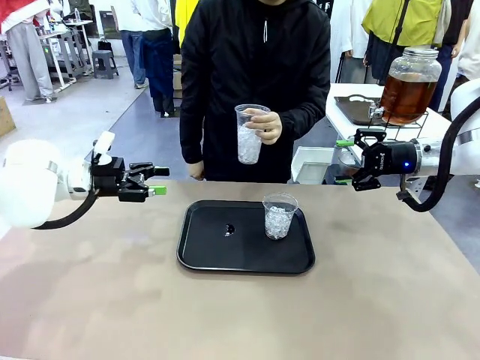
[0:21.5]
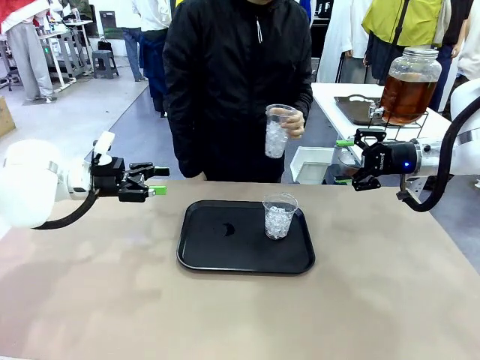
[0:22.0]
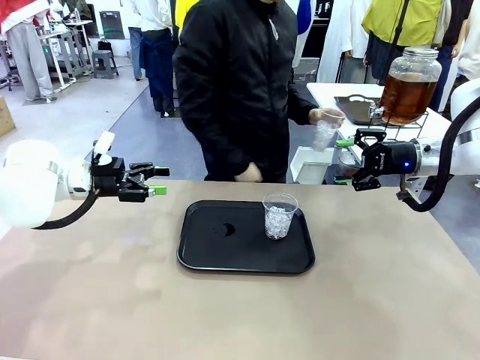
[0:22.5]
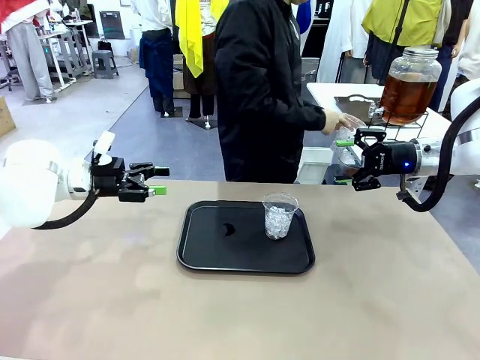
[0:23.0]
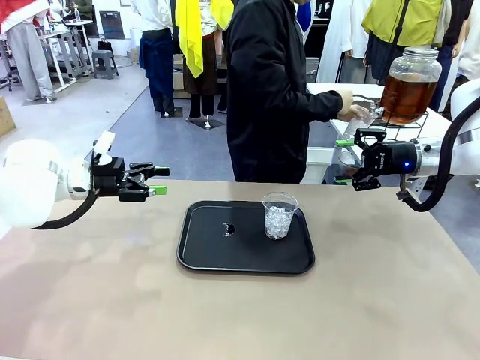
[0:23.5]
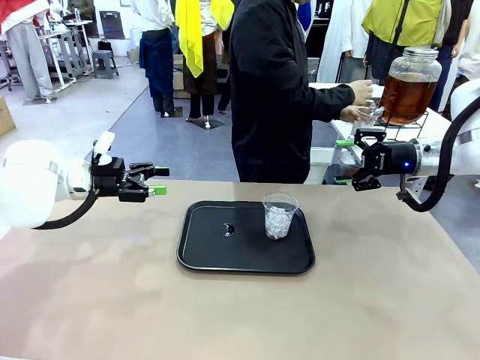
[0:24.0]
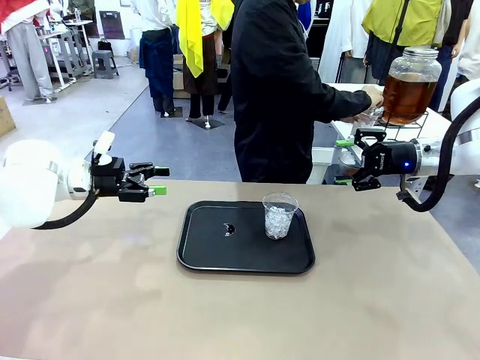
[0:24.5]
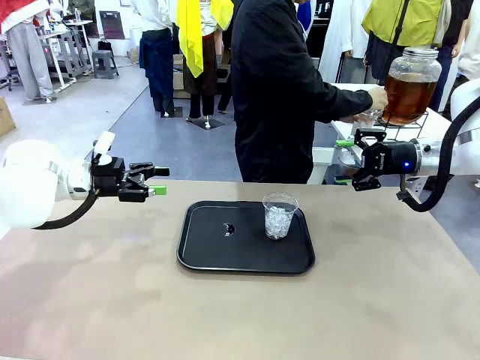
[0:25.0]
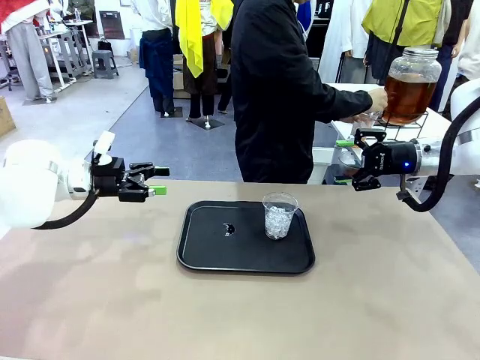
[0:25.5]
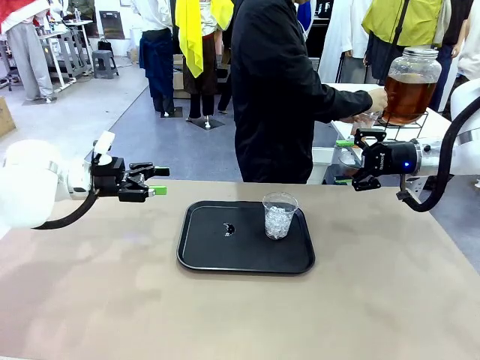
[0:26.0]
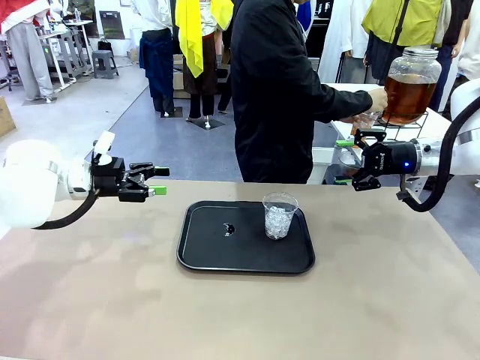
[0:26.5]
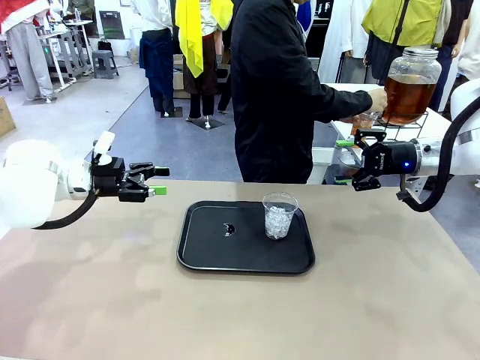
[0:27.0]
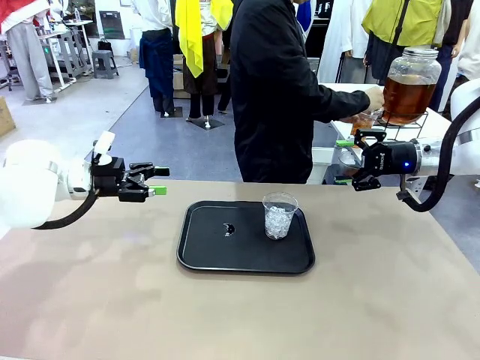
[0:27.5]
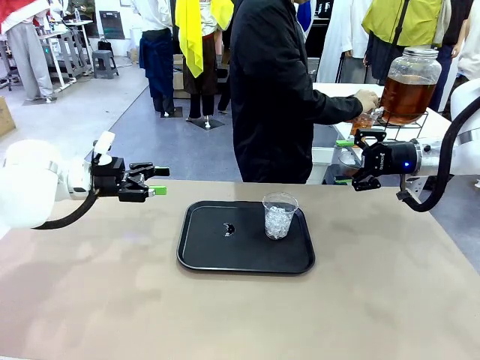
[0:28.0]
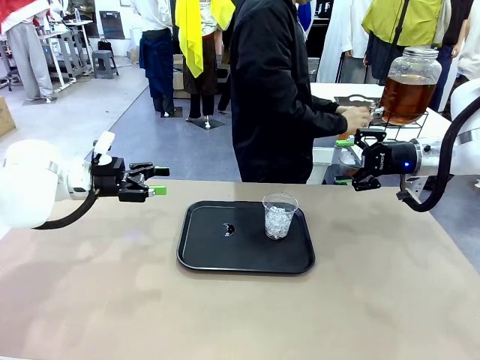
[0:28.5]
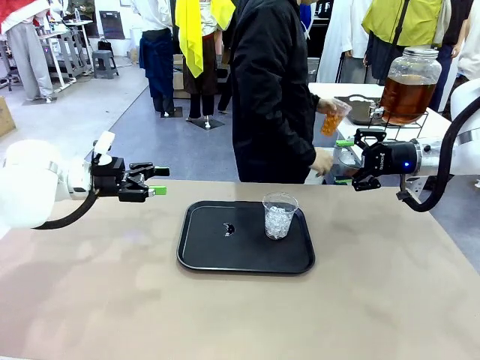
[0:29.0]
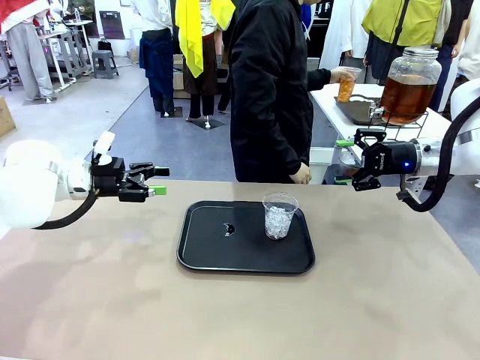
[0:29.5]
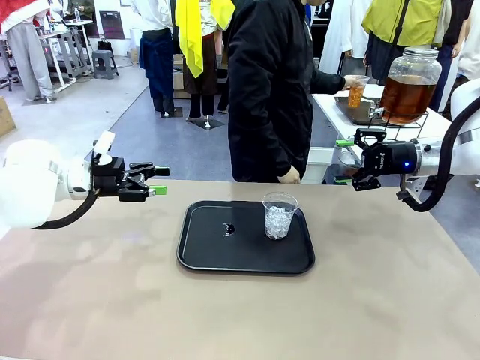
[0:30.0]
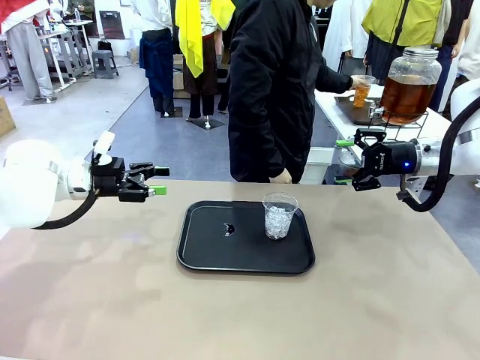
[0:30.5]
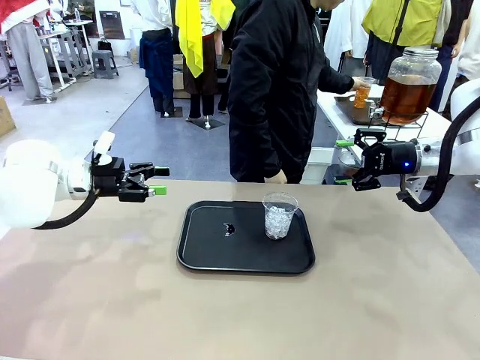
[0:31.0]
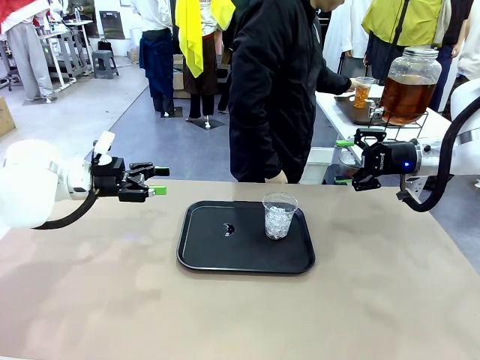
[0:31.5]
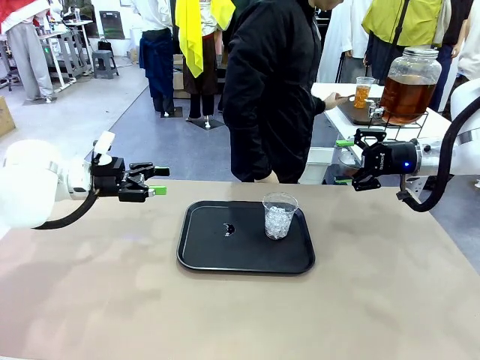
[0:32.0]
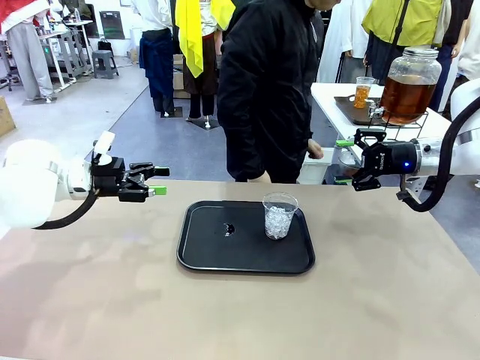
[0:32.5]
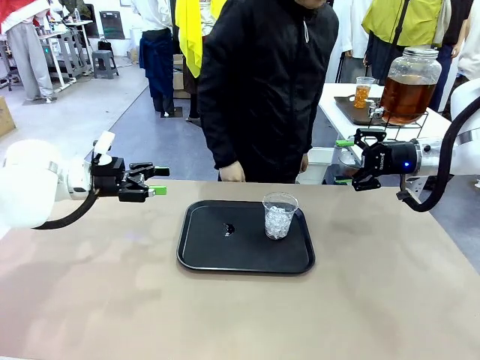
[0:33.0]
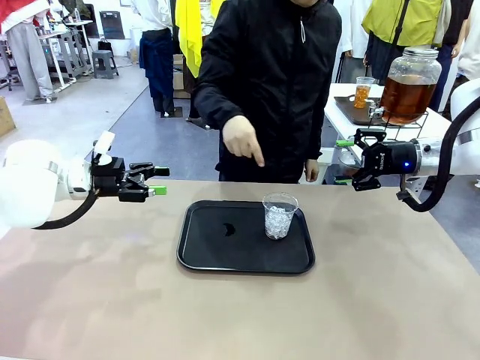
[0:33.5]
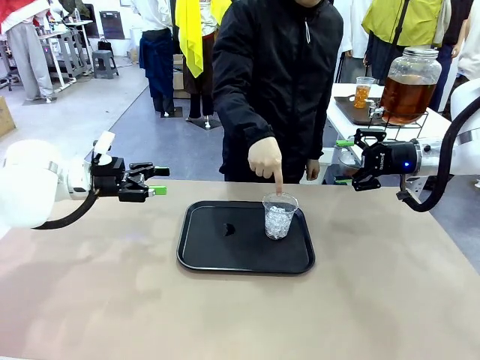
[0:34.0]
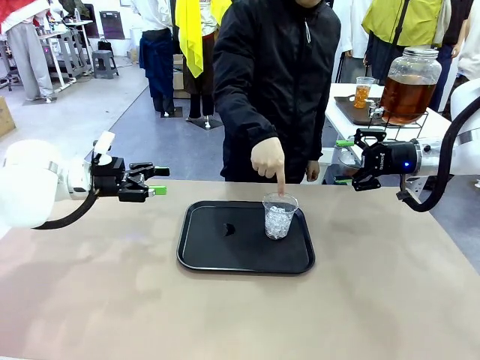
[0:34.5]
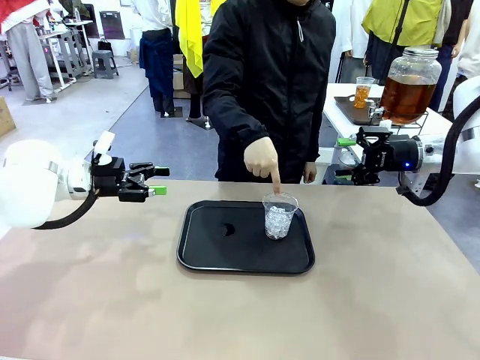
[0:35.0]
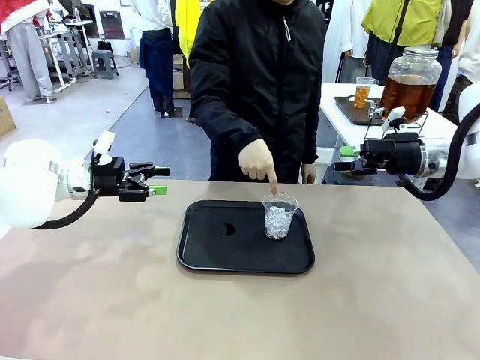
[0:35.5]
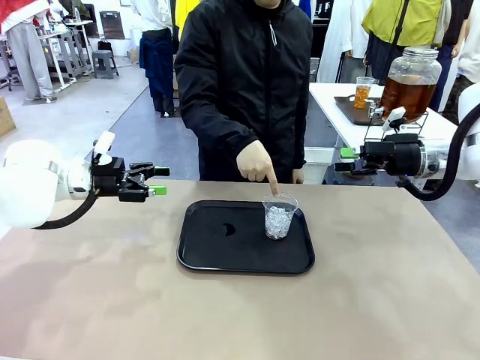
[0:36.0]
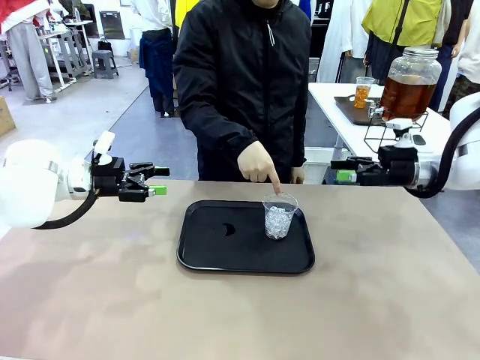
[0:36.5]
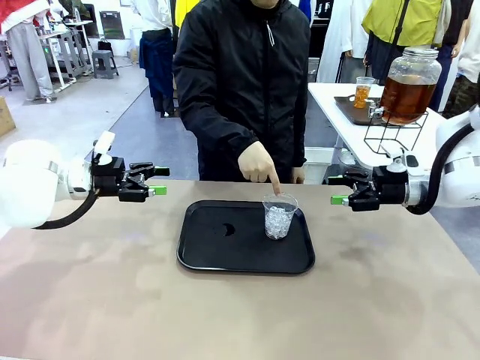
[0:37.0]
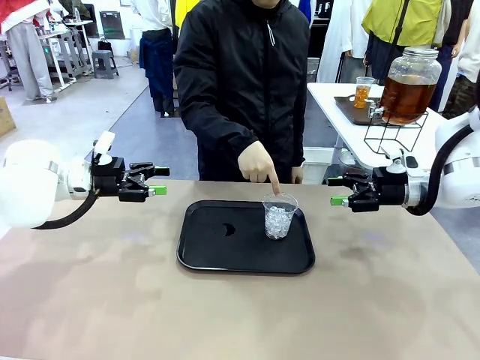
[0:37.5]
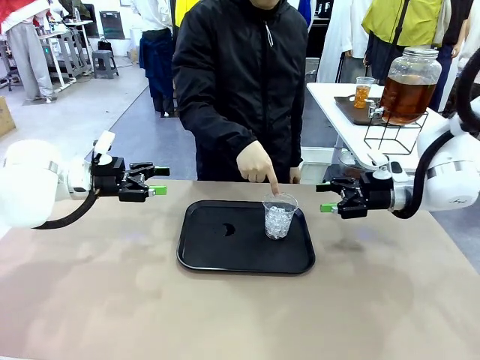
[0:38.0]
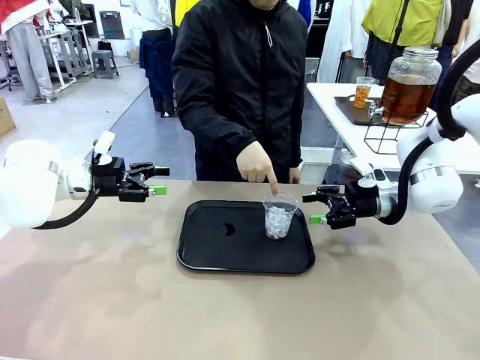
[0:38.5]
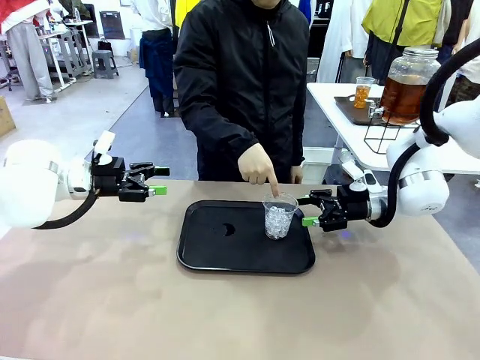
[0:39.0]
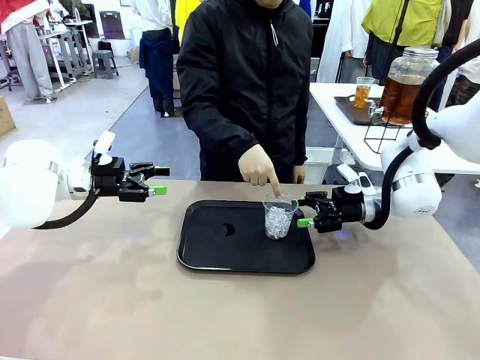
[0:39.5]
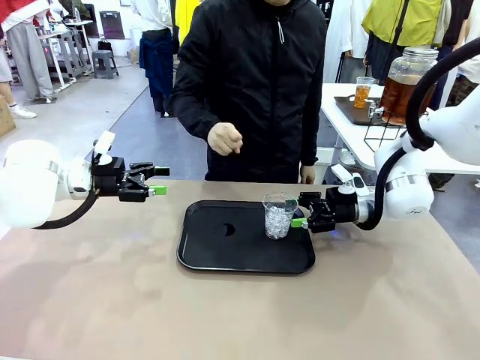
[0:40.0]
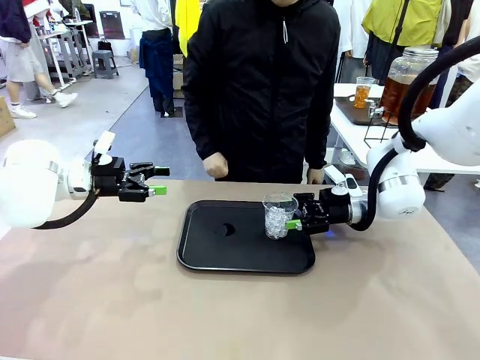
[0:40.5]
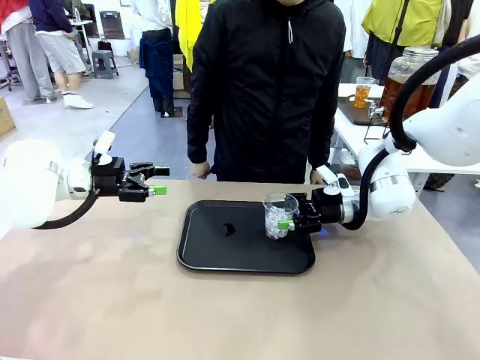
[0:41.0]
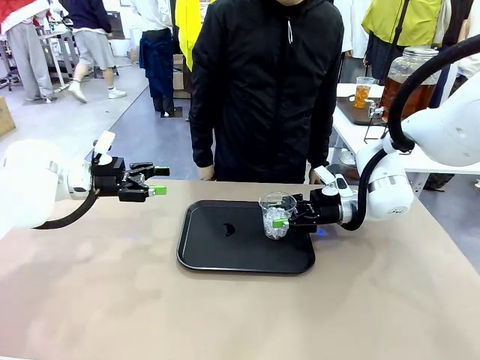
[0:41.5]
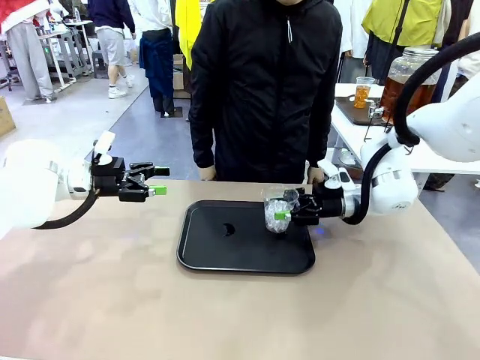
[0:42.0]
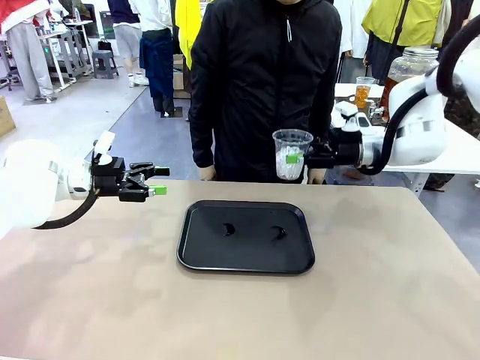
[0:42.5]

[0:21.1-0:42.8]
Task: Pour the drink into the iced cup.
Robot: Pick up the iced cup indicated by the human and present it to them.
Person: Move the picked-up cup under the dispenser faucet, pour the drink, and place it on the tray on the human table. Point to the remaining ice cup on the robot table. Pick up the cup offered by the robot.

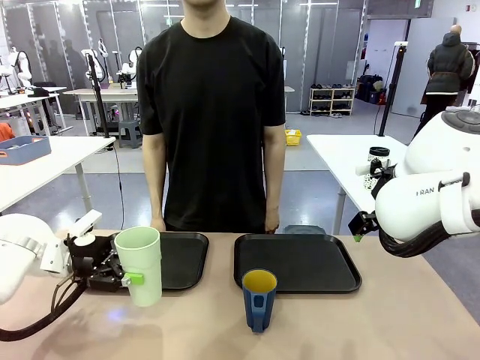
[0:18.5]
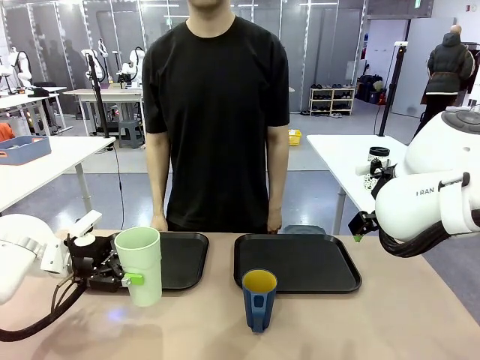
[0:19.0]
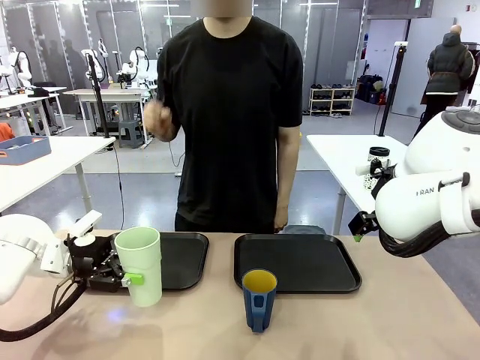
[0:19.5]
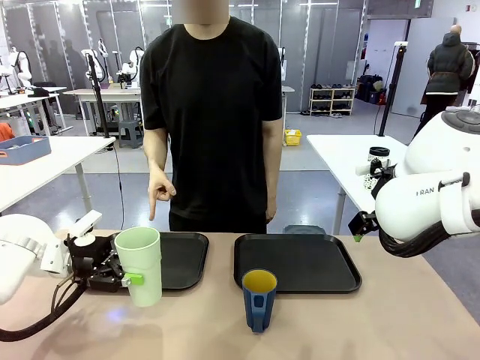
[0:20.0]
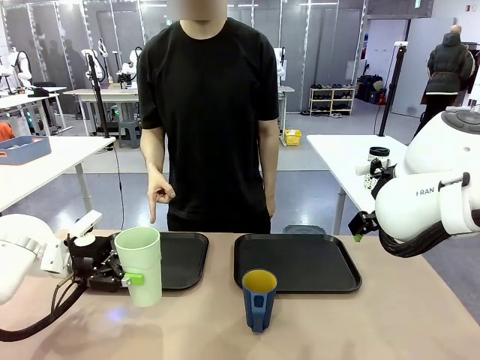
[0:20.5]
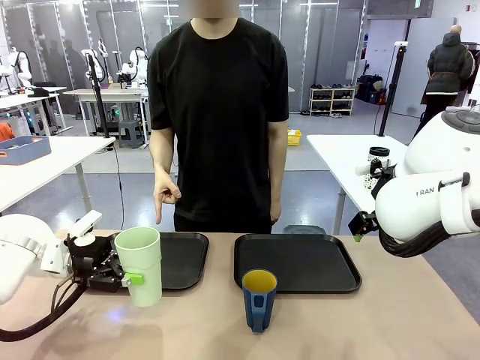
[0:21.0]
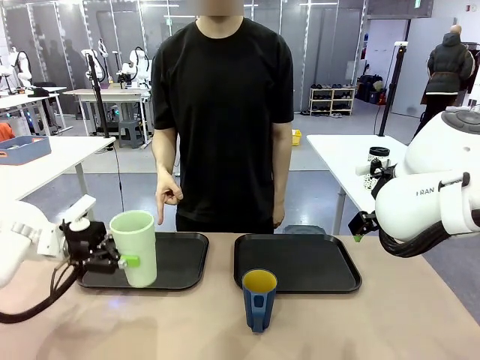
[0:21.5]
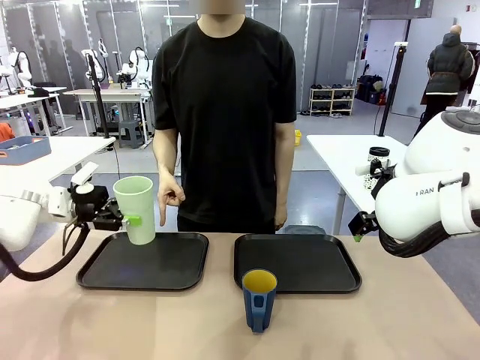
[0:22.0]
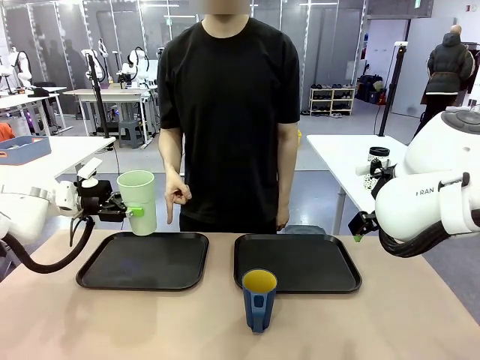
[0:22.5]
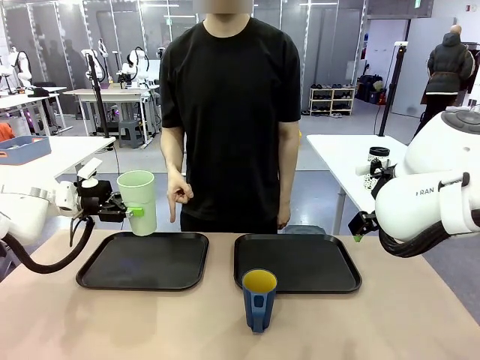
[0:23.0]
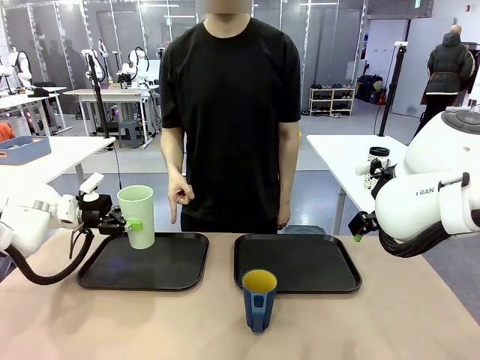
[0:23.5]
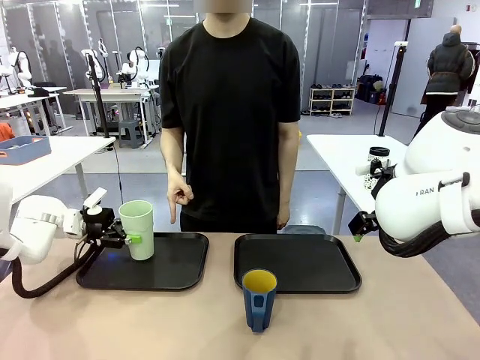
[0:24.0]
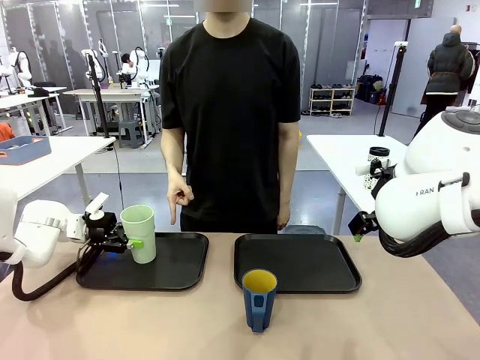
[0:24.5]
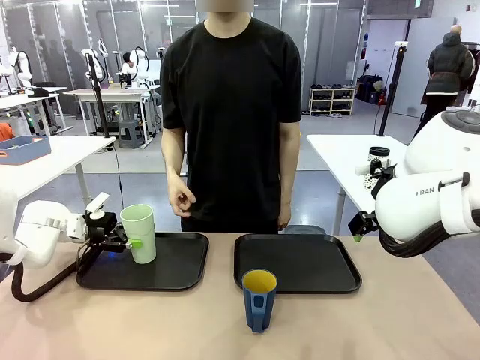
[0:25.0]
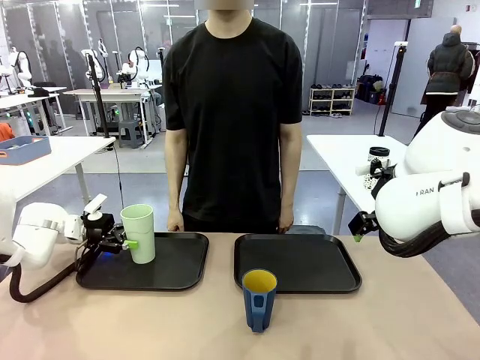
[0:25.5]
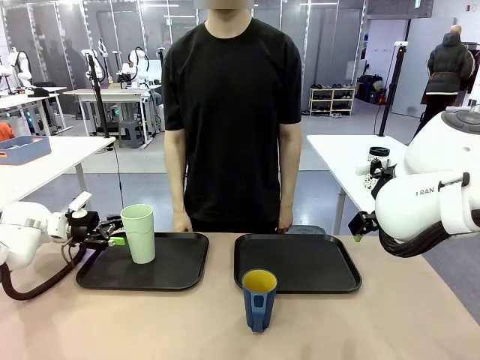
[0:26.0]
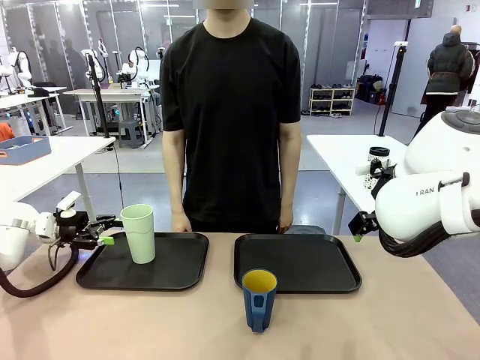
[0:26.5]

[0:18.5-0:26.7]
Task: Sort and store the cups by type.
Robot: Place the picked Reusable plastic cup into the Flat Tray indicated by the person.
